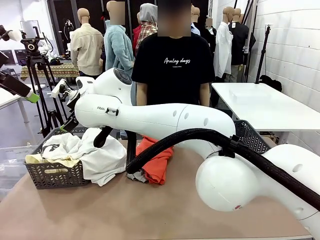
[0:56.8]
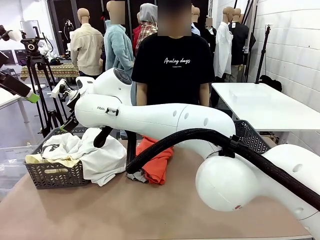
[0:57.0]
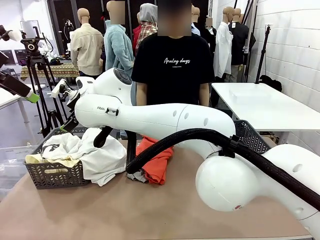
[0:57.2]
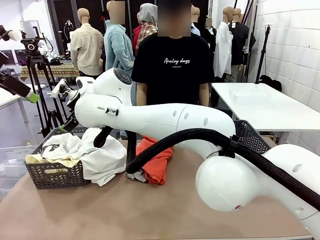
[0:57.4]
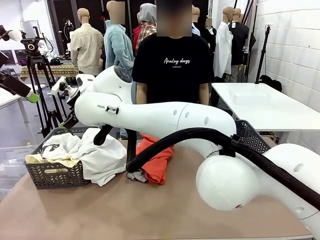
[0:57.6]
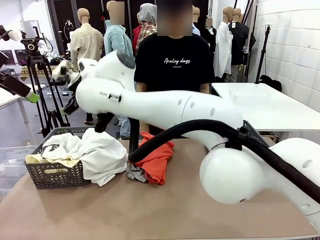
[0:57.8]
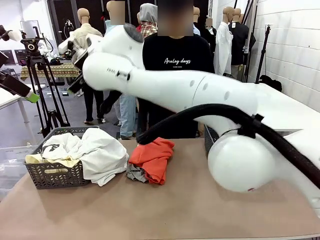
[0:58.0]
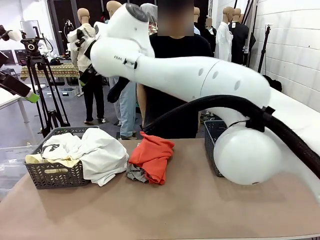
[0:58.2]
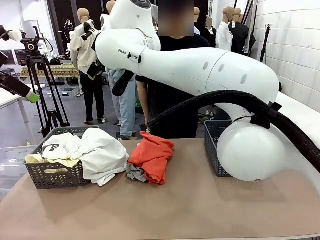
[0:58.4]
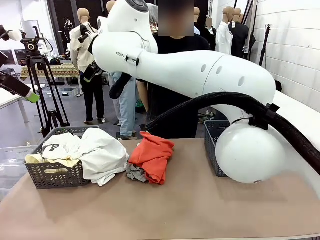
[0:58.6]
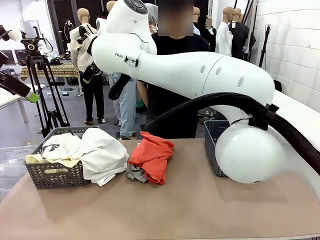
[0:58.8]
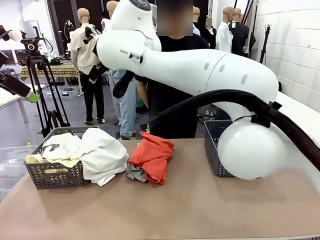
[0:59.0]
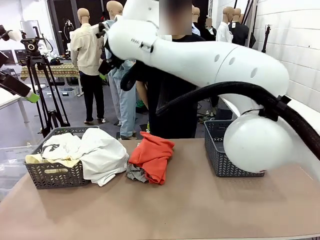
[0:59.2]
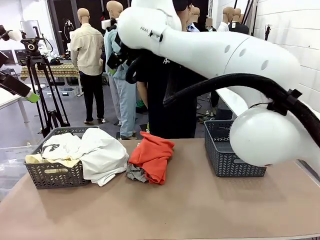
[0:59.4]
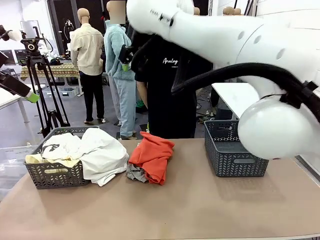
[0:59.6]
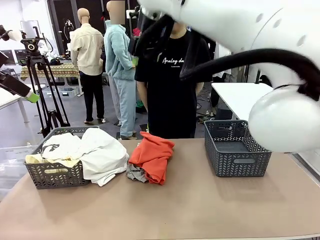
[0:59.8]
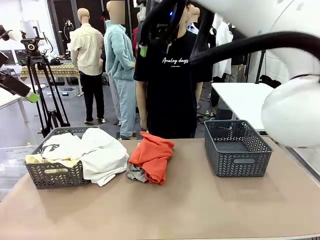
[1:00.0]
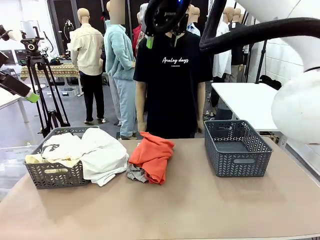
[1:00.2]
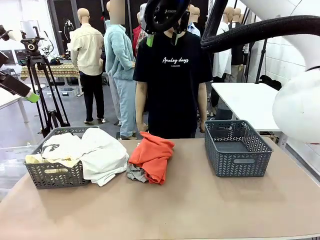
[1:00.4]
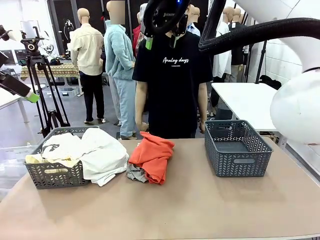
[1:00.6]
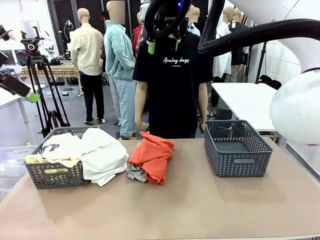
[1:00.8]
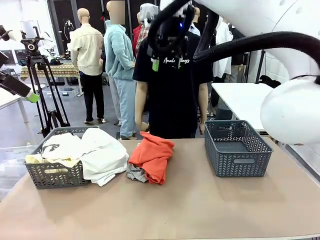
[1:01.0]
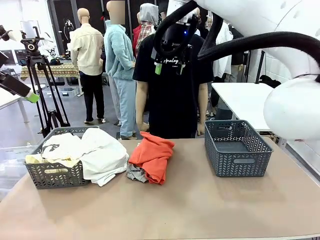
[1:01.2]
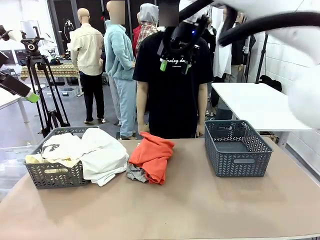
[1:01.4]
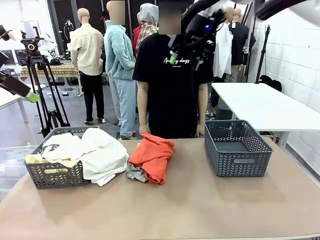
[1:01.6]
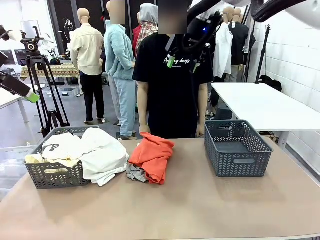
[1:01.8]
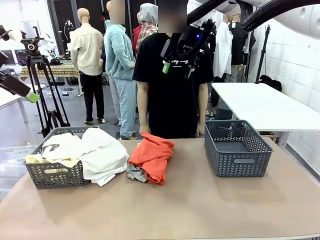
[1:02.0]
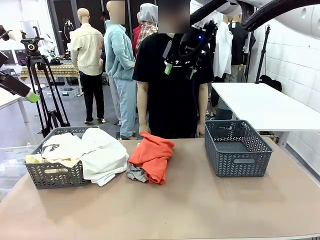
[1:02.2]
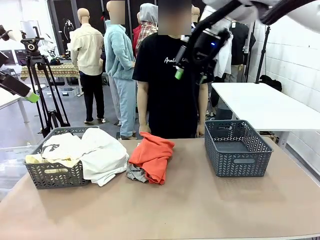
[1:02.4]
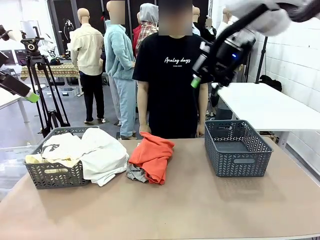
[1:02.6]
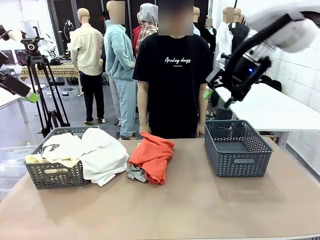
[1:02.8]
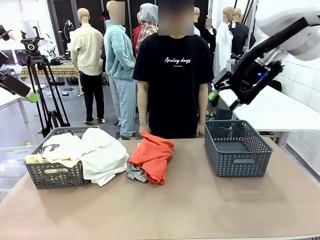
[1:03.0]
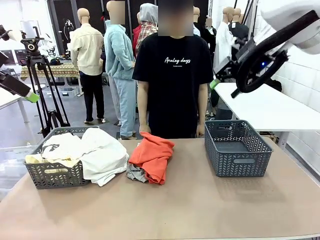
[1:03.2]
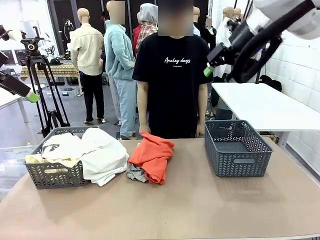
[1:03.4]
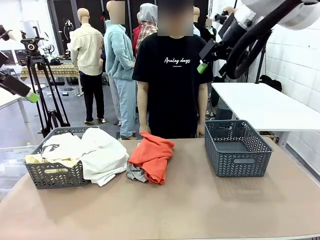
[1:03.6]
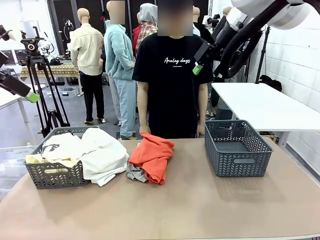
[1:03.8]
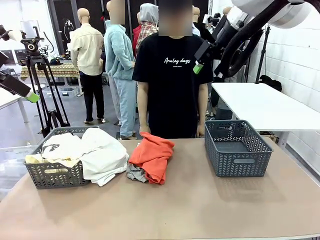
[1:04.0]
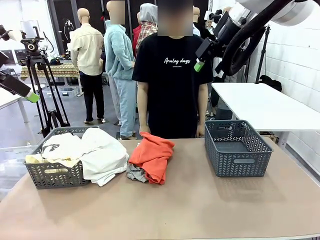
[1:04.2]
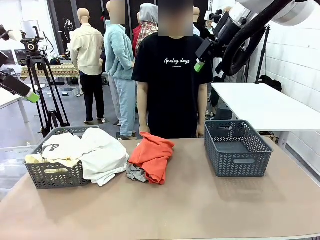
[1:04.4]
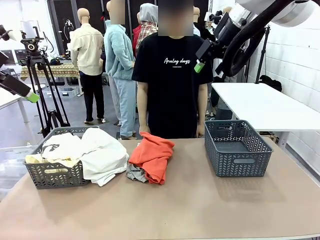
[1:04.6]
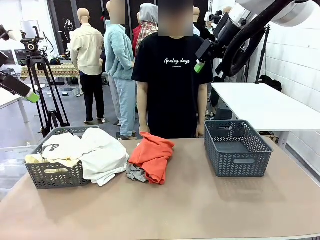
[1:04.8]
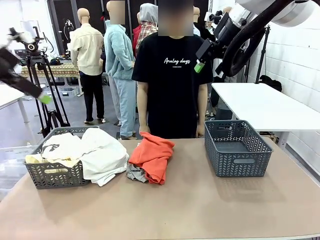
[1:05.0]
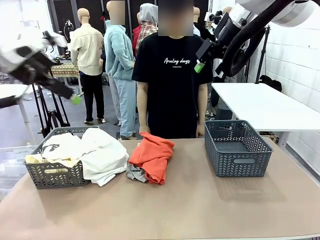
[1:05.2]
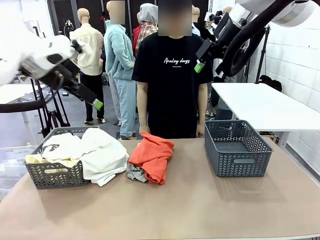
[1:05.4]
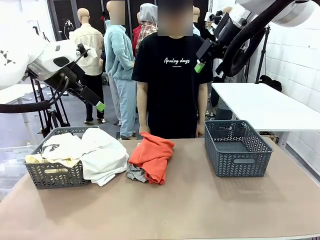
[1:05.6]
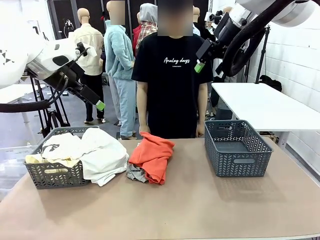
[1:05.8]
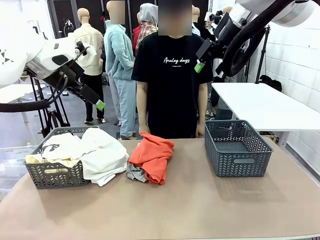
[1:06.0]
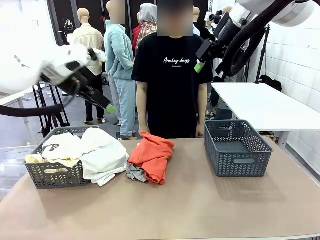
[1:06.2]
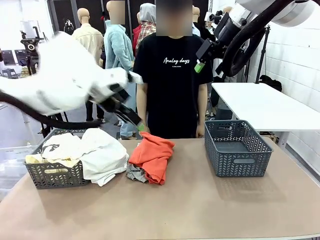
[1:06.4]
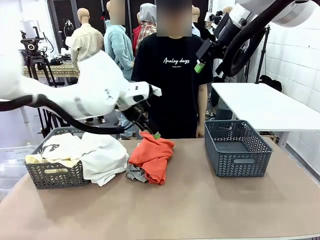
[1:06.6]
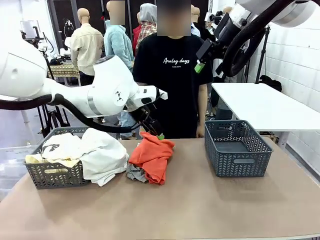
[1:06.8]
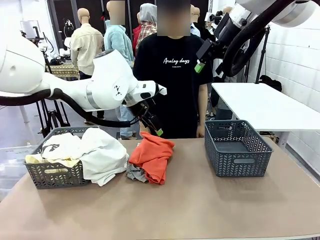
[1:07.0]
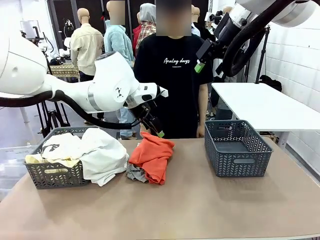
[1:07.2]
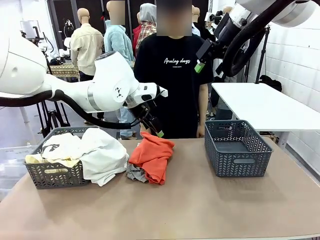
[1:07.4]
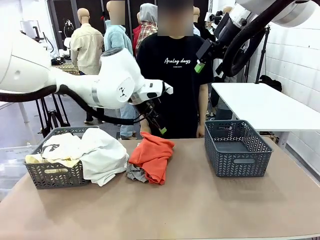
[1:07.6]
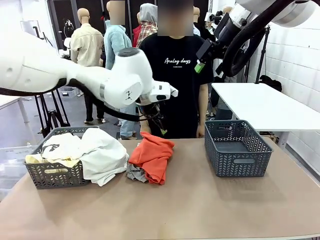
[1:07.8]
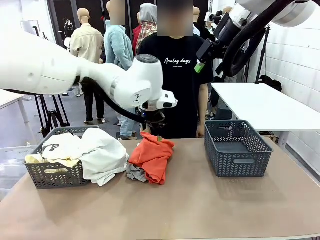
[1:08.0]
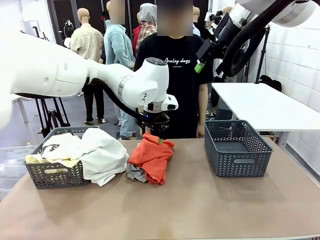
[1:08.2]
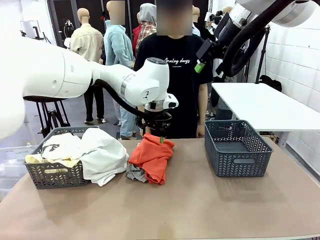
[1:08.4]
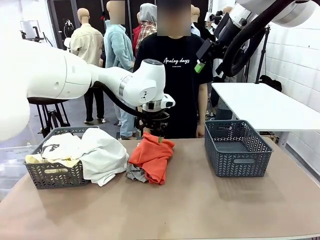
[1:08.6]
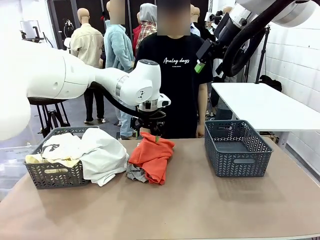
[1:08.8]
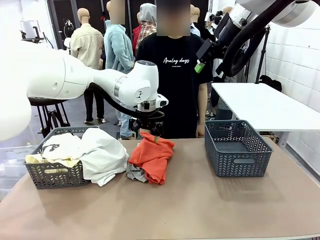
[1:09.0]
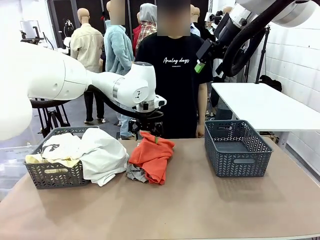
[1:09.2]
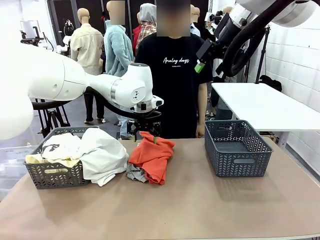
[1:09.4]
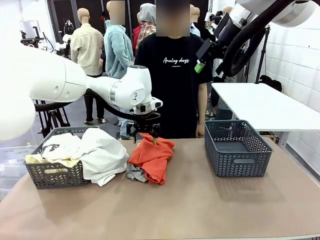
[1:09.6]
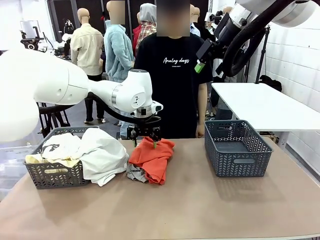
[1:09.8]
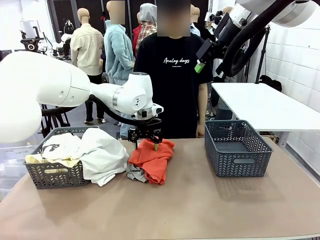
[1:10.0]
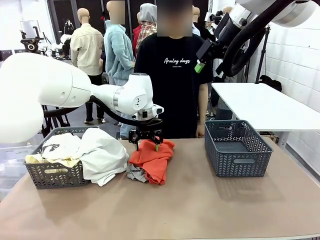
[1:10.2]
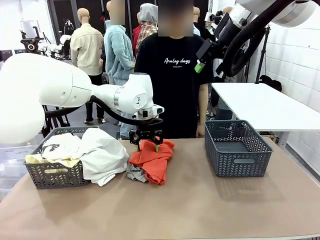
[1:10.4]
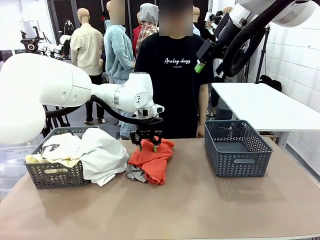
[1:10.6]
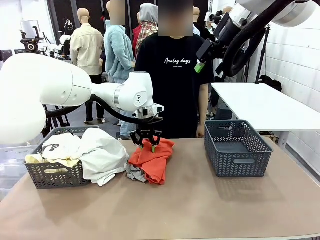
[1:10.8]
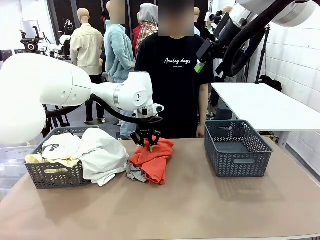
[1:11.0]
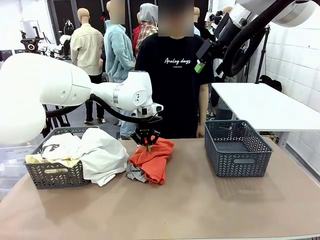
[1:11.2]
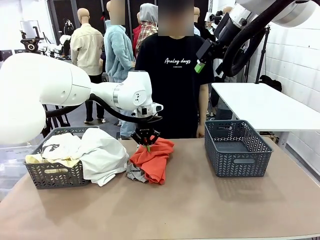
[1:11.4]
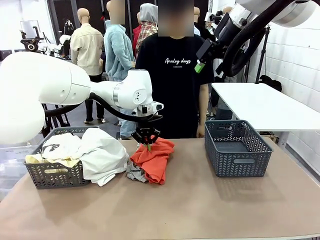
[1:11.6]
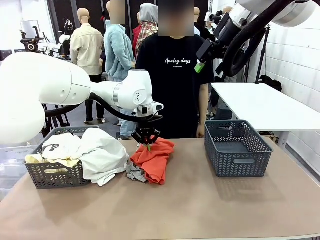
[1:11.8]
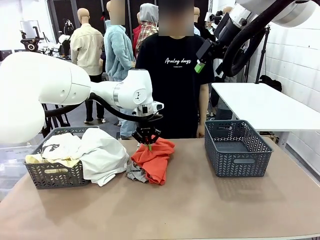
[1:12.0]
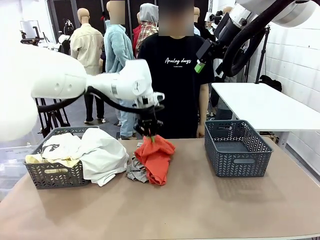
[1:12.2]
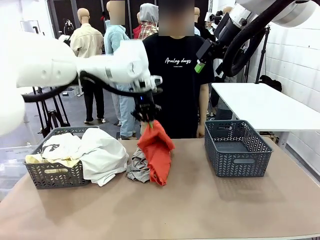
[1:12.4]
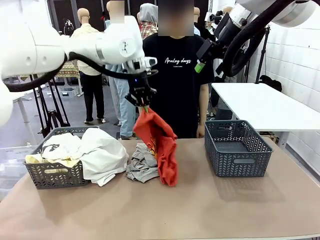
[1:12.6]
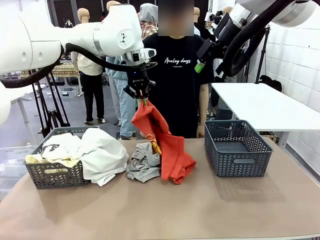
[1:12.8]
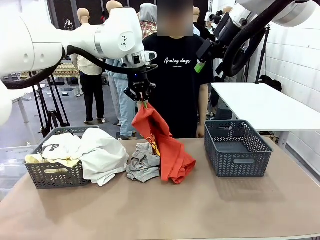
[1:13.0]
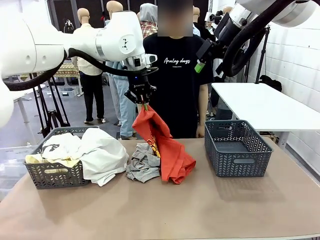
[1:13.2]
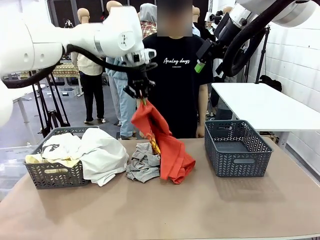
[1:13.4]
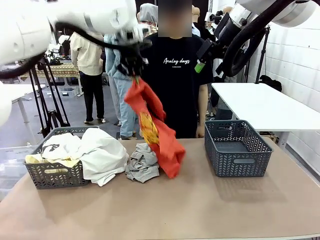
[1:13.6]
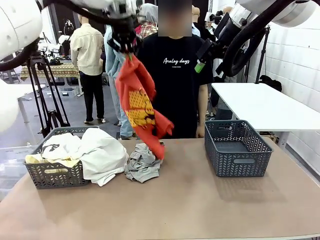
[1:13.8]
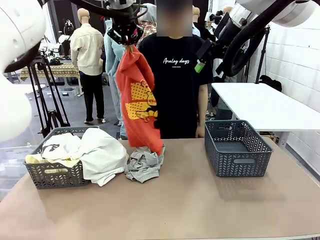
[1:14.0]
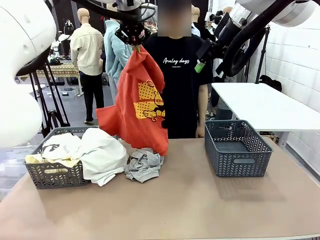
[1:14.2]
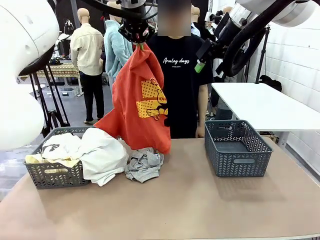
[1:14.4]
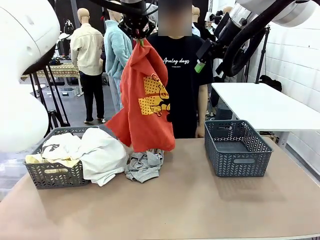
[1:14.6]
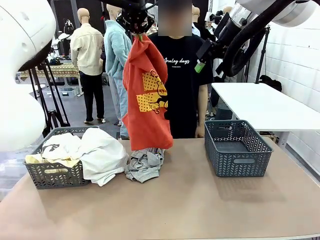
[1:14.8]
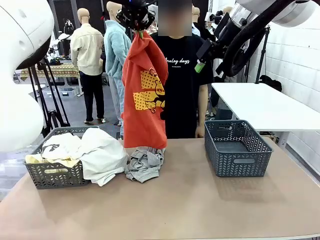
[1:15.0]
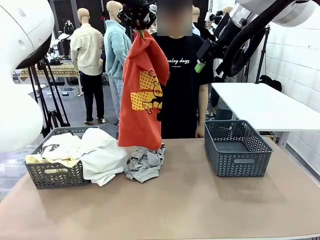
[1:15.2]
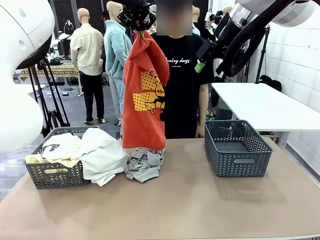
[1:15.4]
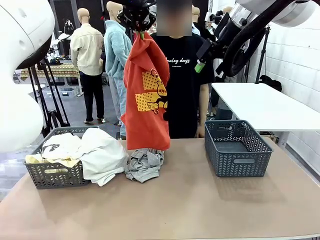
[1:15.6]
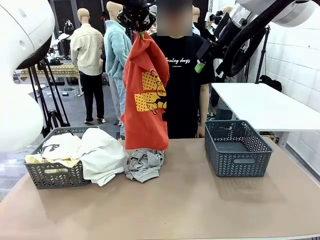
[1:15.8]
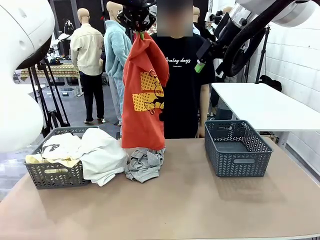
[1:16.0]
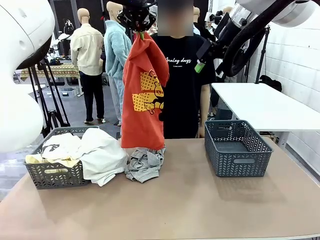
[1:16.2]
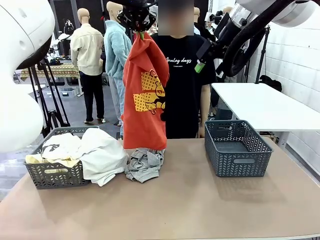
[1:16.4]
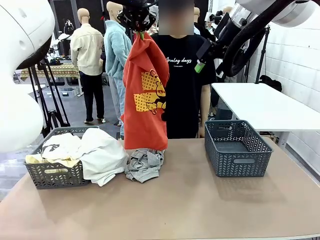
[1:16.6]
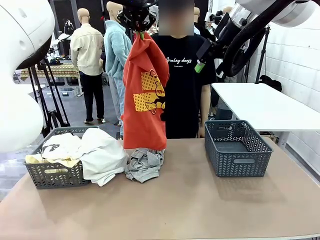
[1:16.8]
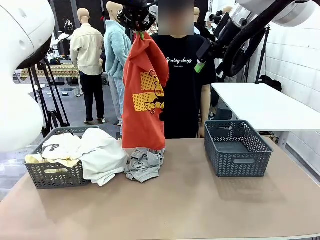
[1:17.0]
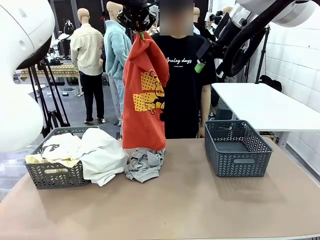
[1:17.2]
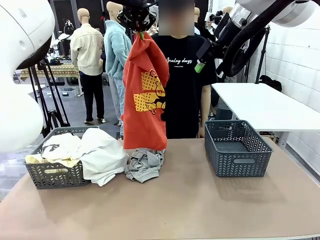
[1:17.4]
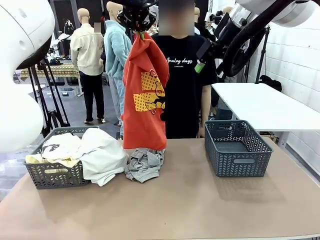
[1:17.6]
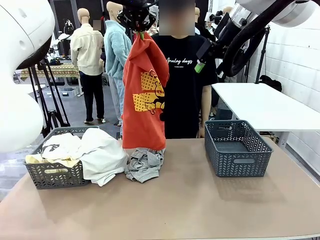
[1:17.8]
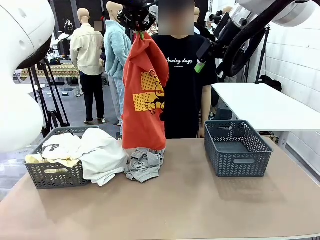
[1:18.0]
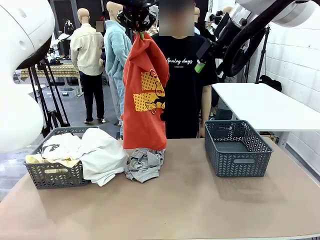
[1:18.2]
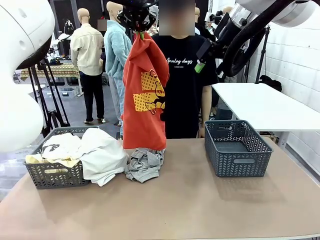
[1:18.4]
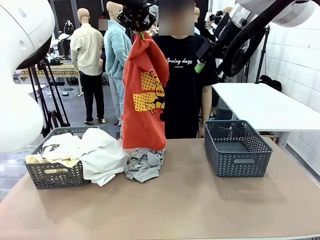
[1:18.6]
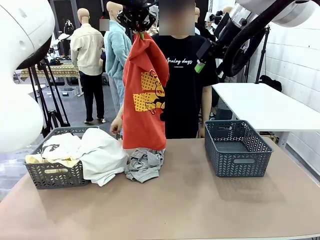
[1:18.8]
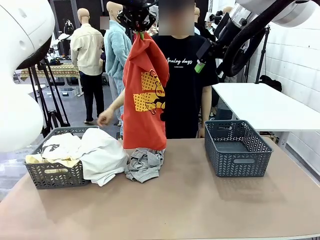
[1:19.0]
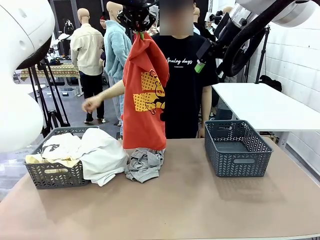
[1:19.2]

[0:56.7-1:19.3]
Task: Sort the tops and bottoms.
Robot: Lift clothes from the center of the table with your left hand.
